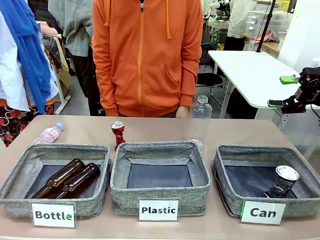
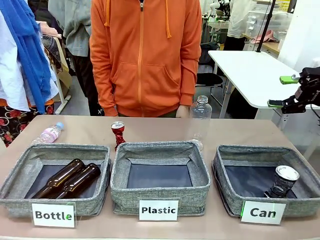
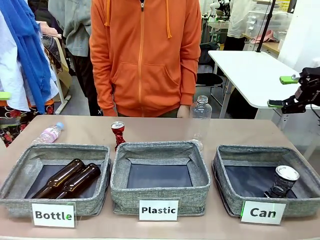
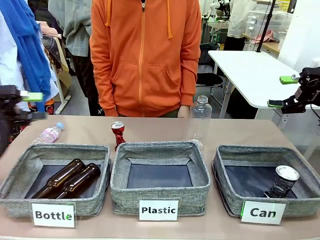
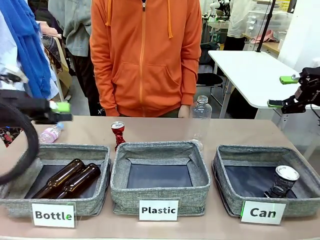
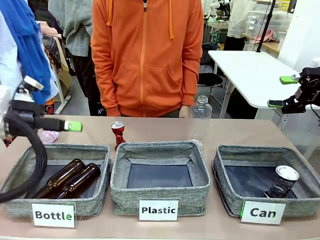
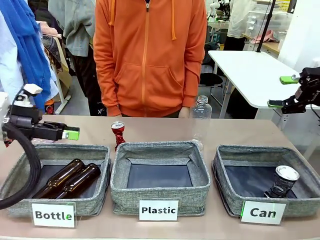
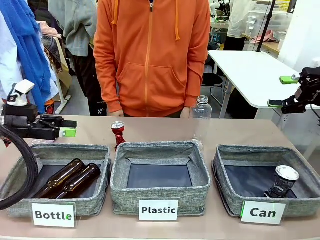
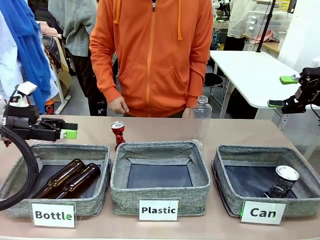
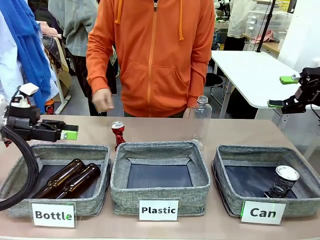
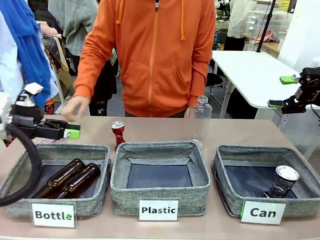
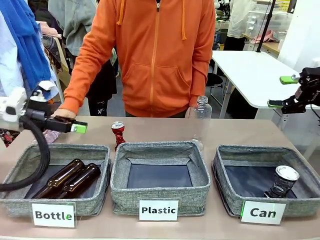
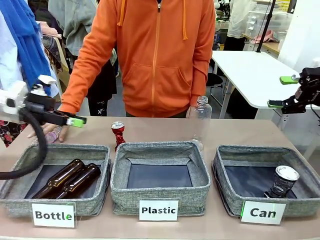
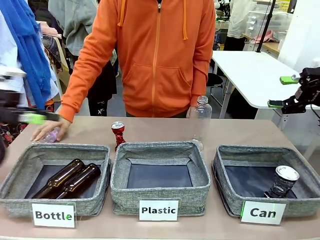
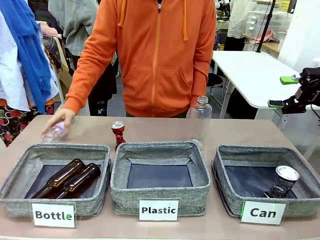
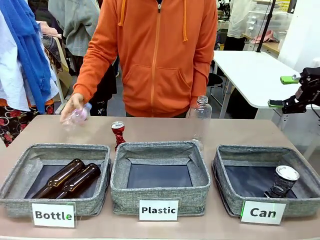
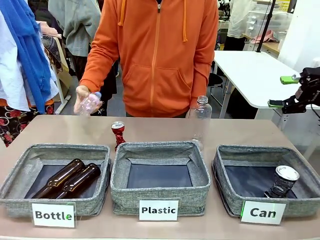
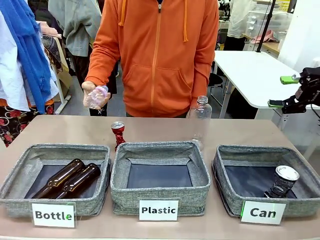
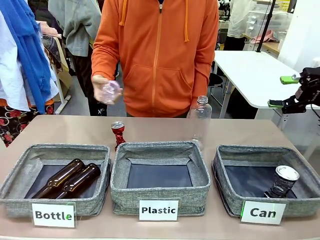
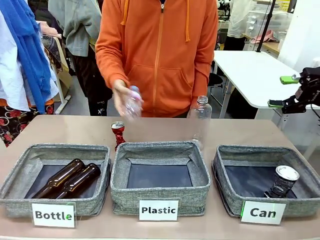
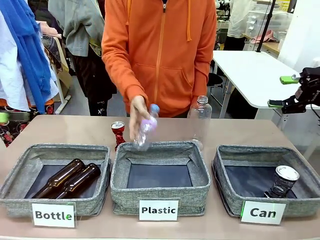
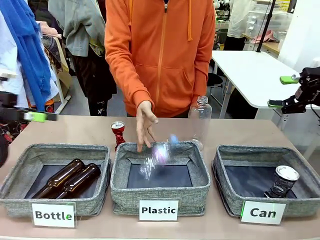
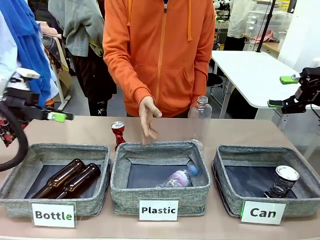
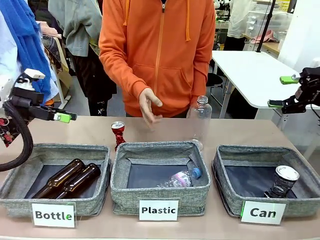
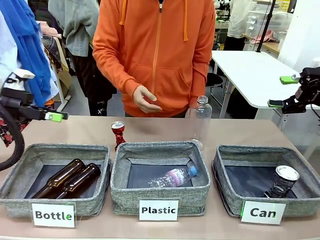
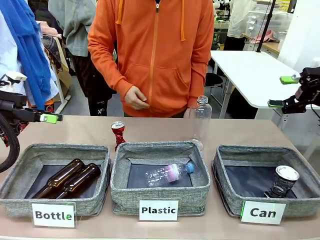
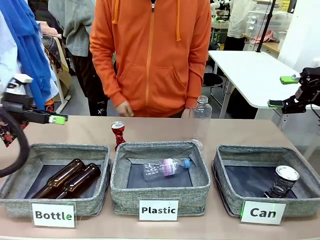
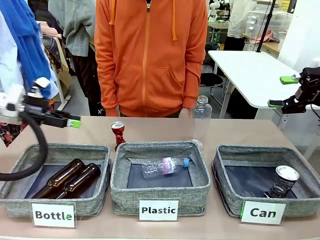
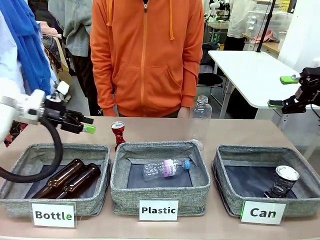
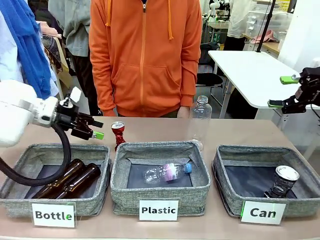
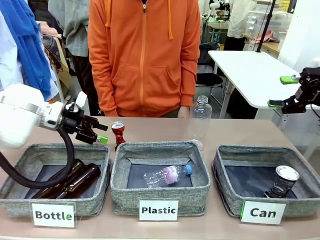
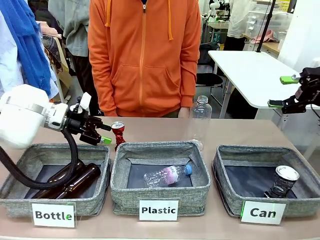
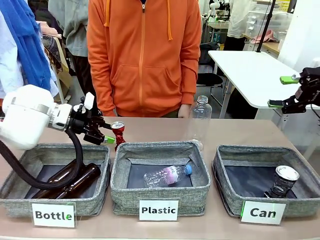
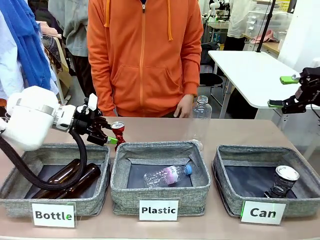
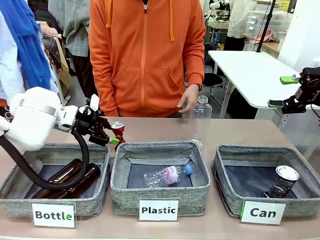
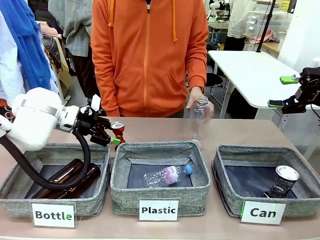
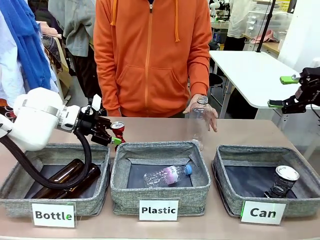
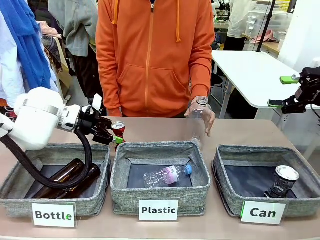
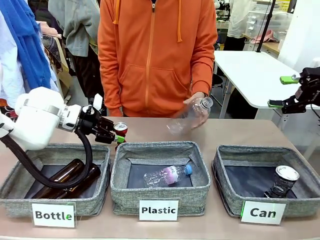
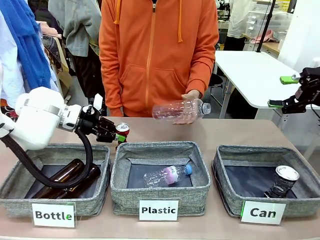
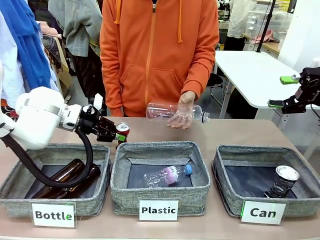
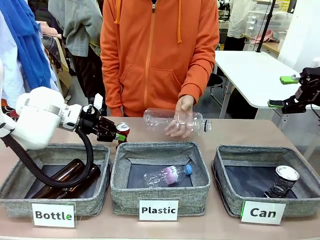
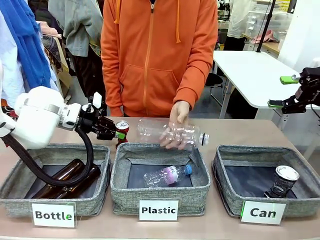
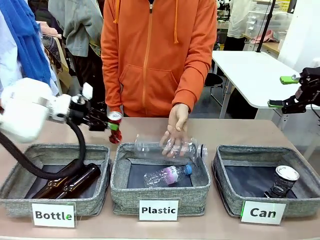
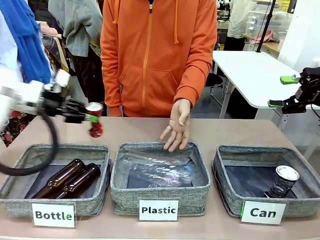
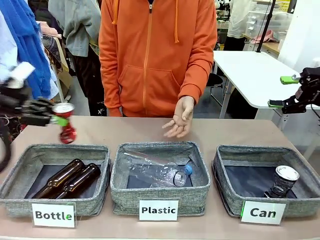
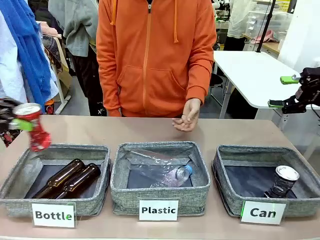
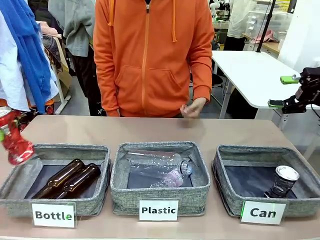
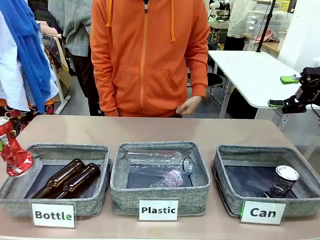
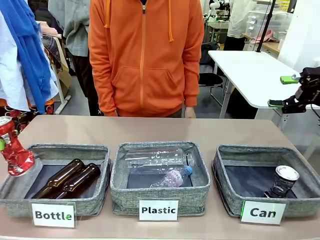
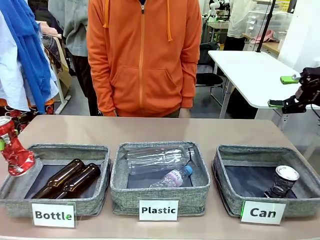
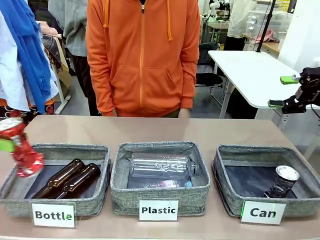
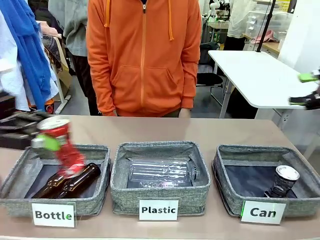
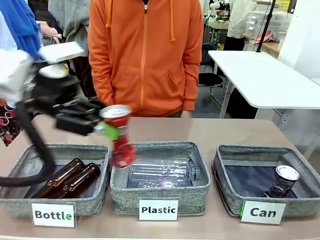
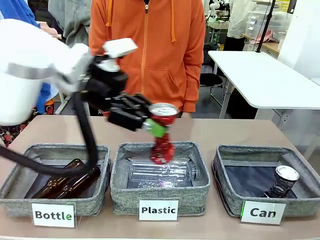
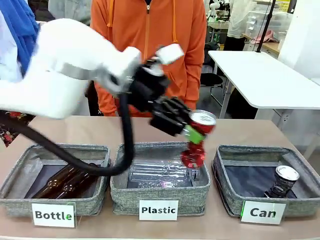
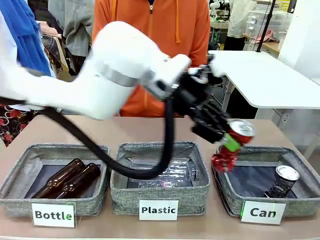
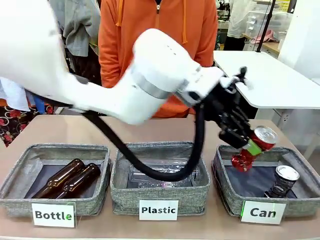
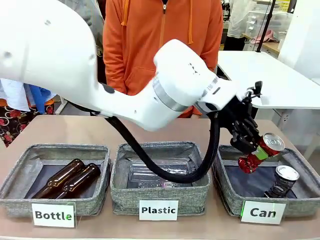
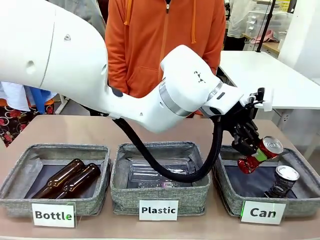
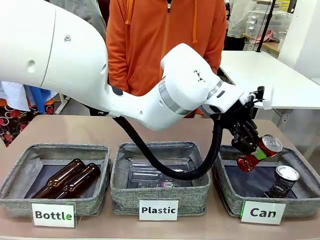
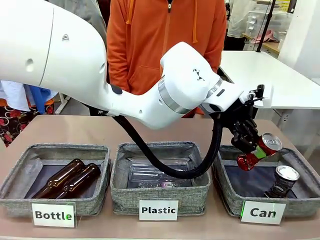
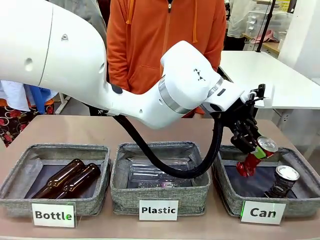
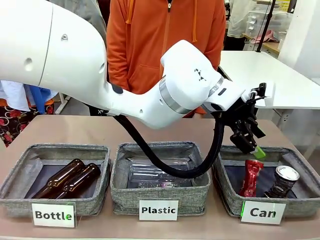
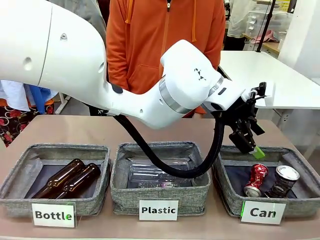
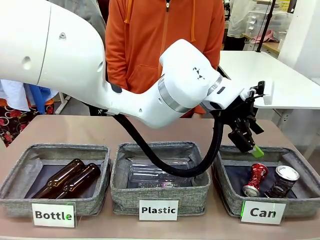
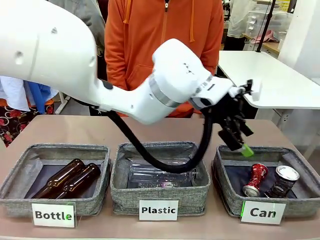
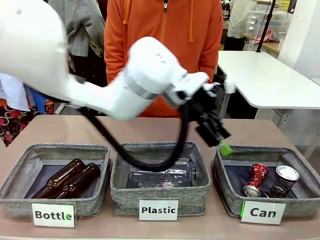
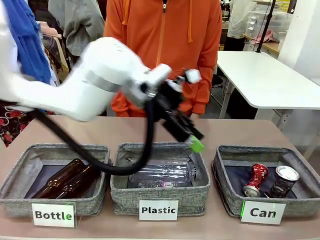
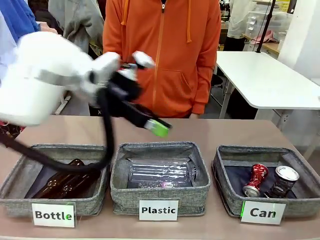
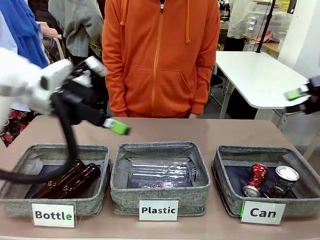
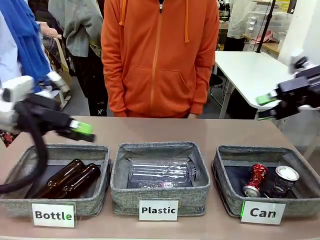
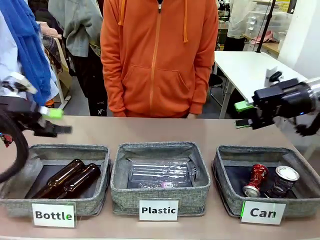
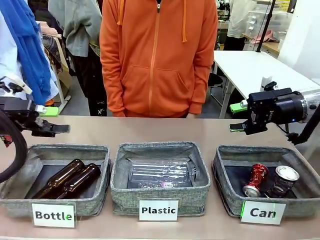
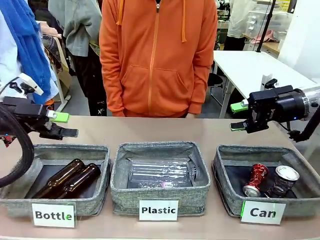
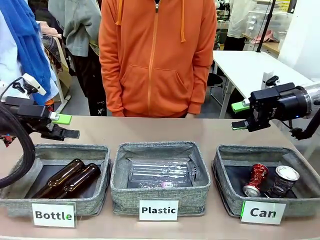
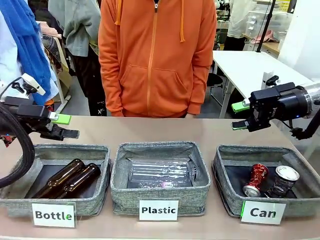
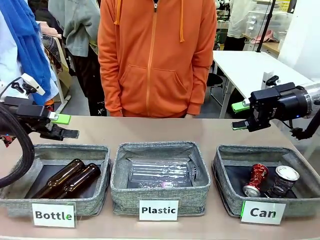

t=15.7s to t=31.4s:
Task: Sort the can waste into the basket.
Robot: Pick up the can waste from the table and place it in the right Fabric basket.
